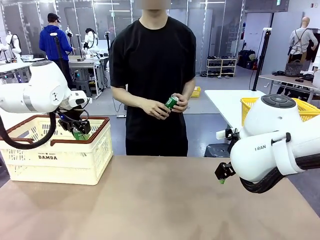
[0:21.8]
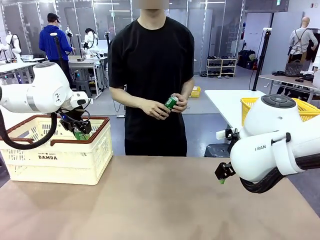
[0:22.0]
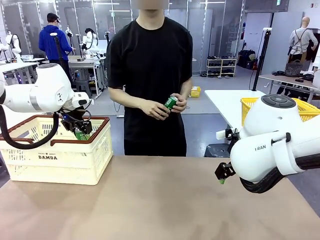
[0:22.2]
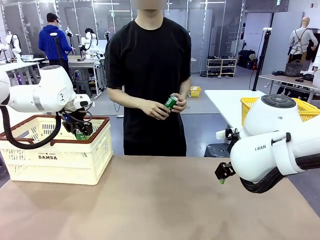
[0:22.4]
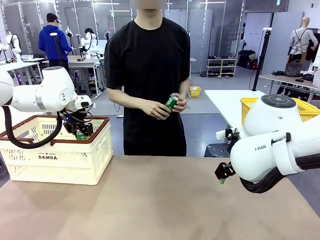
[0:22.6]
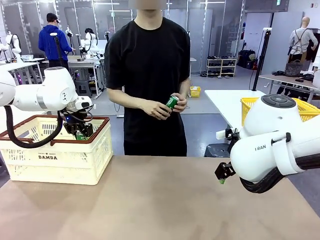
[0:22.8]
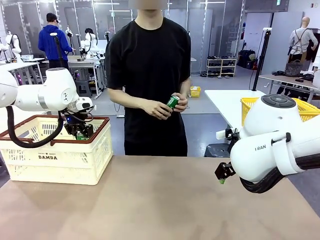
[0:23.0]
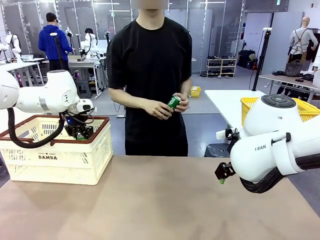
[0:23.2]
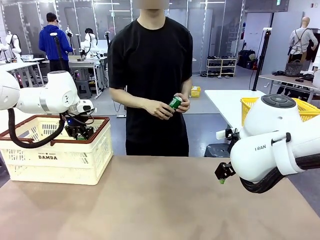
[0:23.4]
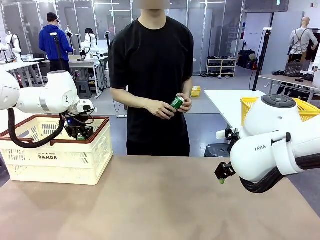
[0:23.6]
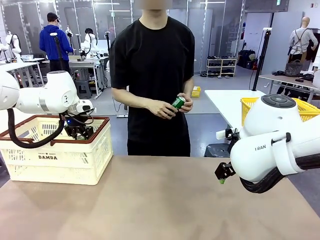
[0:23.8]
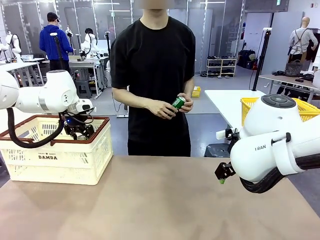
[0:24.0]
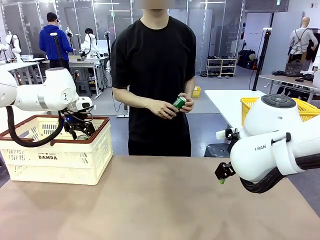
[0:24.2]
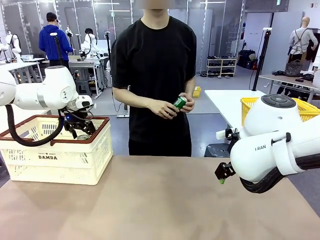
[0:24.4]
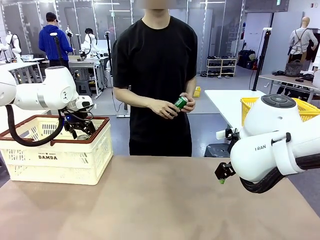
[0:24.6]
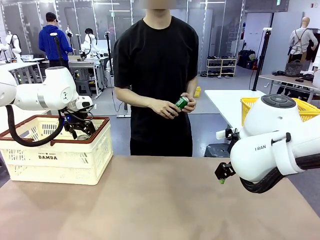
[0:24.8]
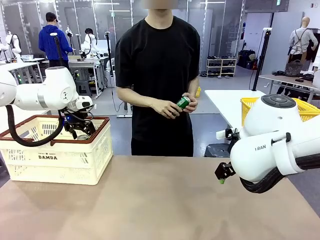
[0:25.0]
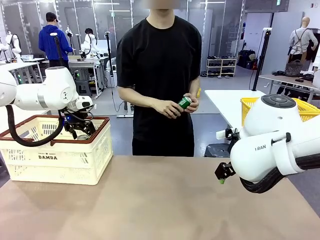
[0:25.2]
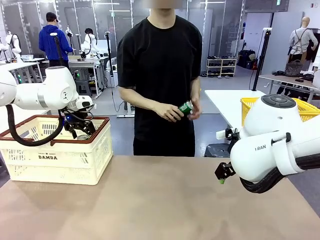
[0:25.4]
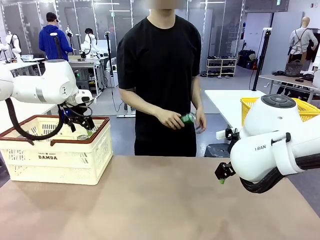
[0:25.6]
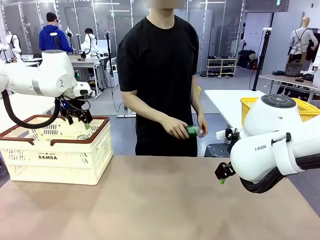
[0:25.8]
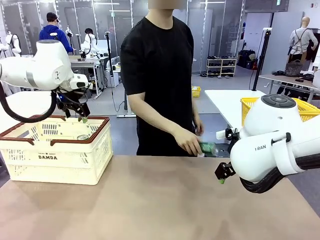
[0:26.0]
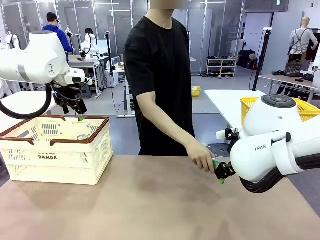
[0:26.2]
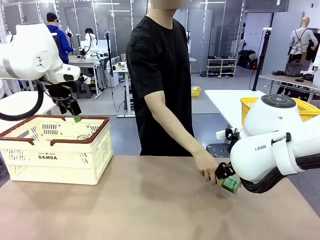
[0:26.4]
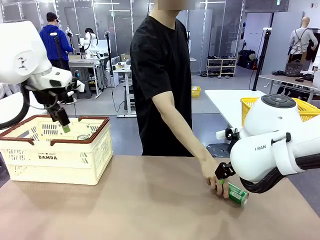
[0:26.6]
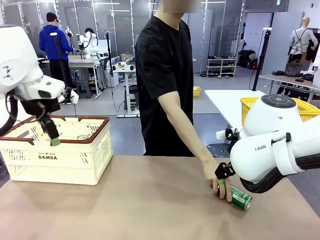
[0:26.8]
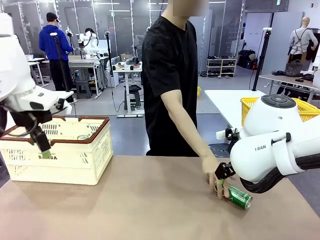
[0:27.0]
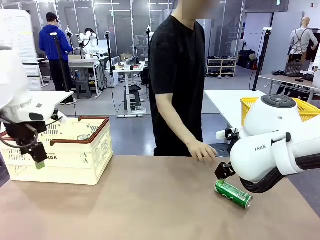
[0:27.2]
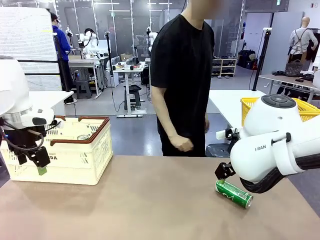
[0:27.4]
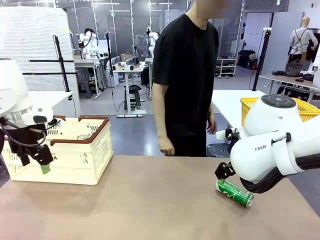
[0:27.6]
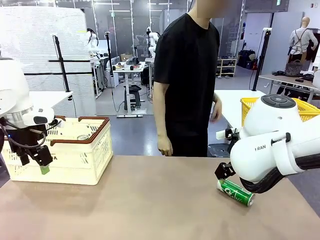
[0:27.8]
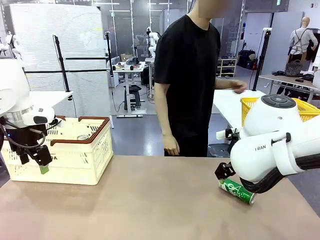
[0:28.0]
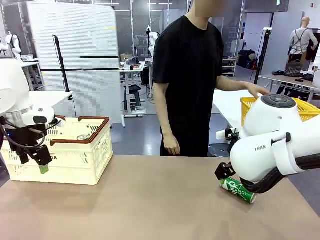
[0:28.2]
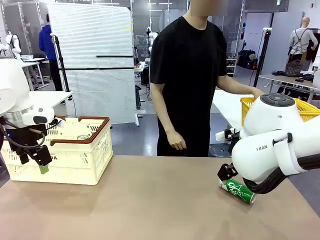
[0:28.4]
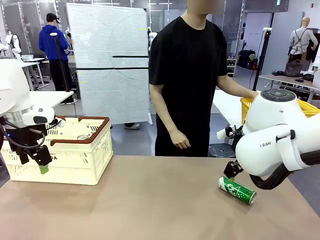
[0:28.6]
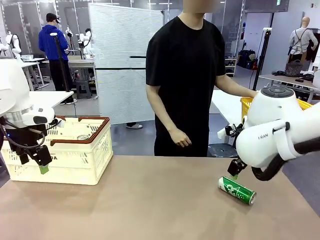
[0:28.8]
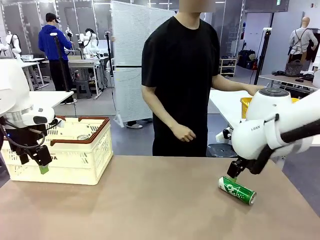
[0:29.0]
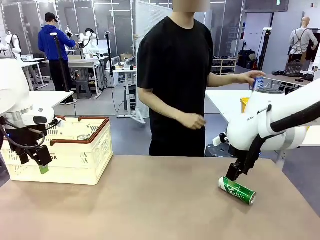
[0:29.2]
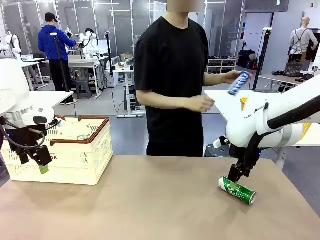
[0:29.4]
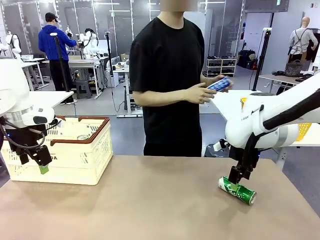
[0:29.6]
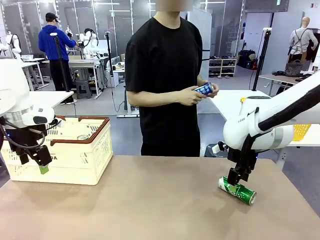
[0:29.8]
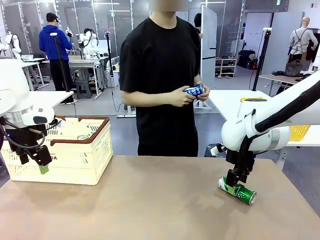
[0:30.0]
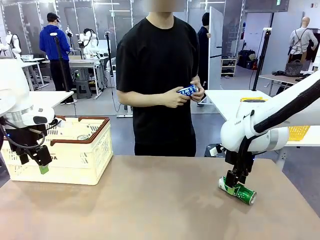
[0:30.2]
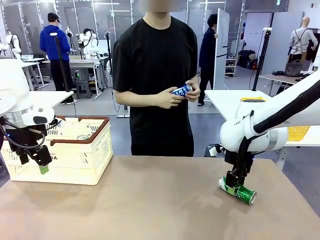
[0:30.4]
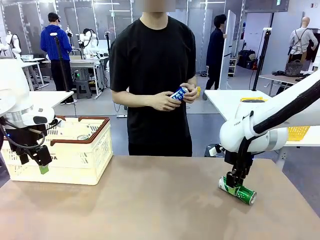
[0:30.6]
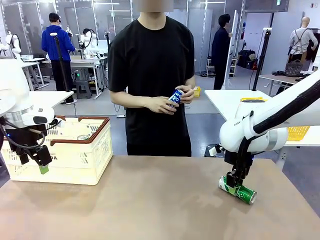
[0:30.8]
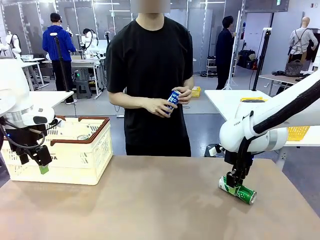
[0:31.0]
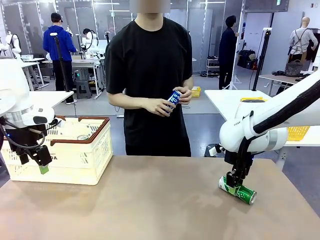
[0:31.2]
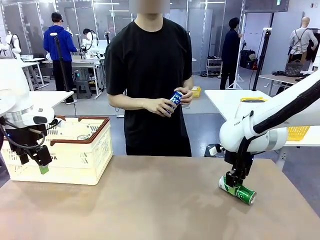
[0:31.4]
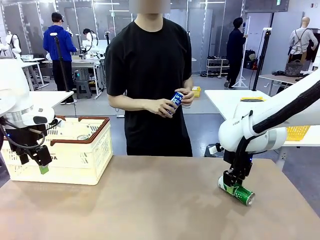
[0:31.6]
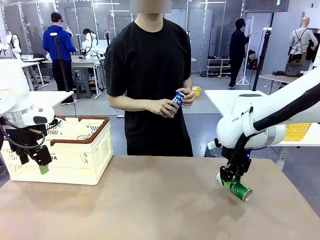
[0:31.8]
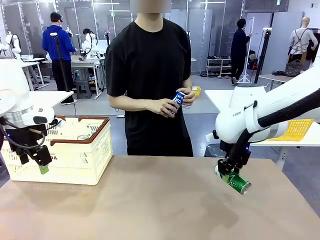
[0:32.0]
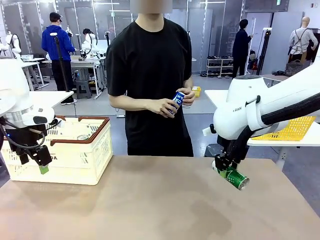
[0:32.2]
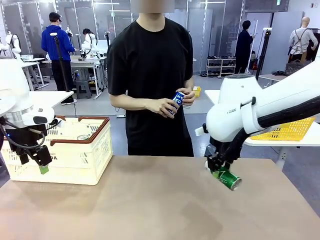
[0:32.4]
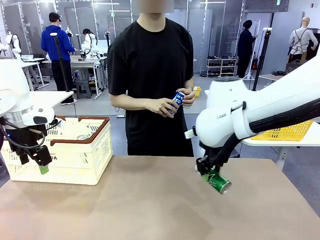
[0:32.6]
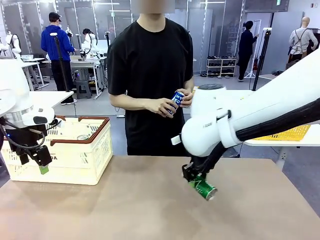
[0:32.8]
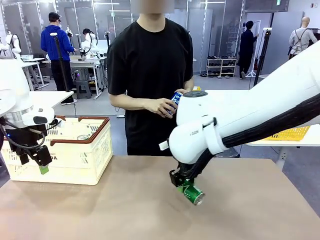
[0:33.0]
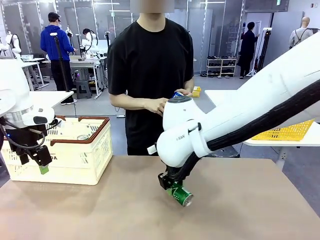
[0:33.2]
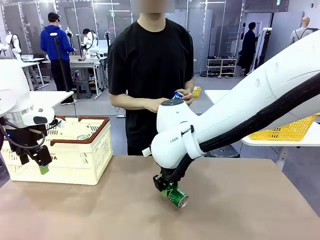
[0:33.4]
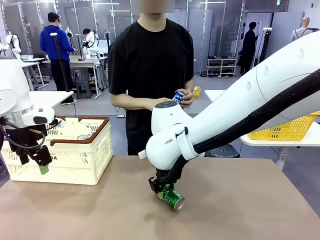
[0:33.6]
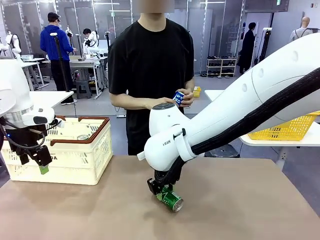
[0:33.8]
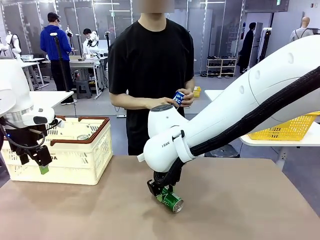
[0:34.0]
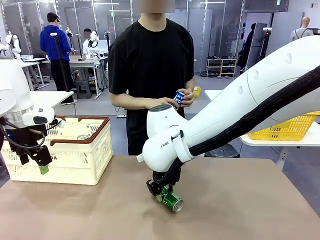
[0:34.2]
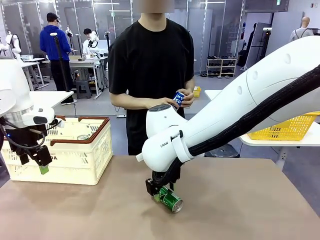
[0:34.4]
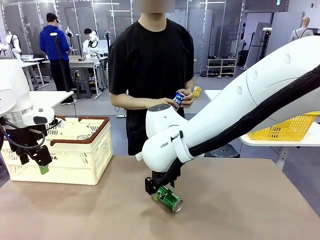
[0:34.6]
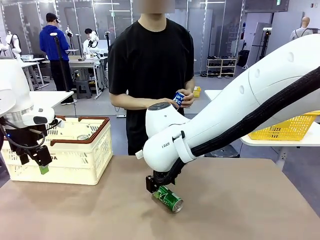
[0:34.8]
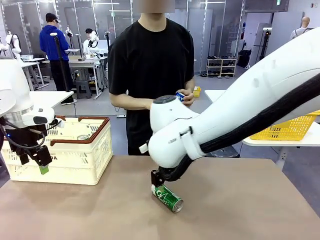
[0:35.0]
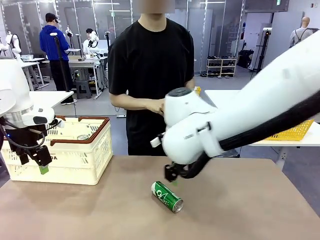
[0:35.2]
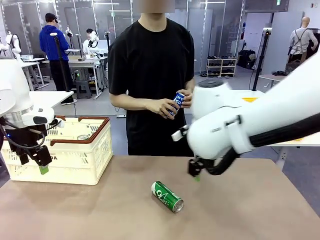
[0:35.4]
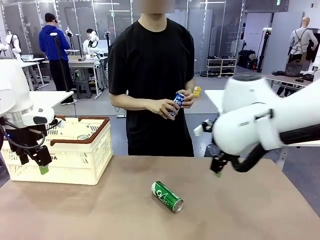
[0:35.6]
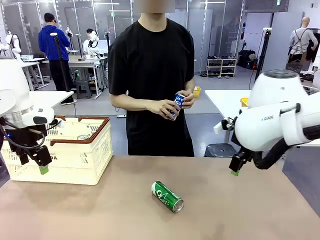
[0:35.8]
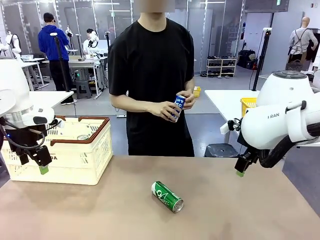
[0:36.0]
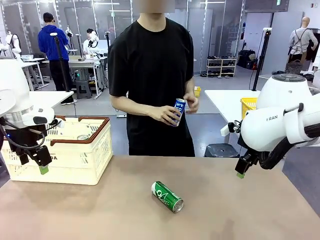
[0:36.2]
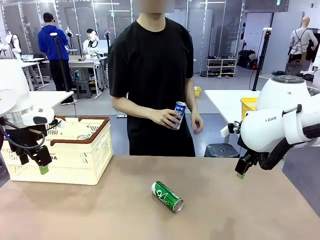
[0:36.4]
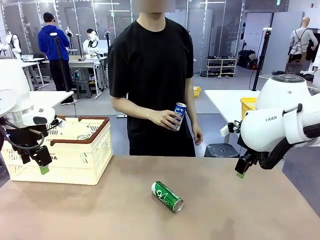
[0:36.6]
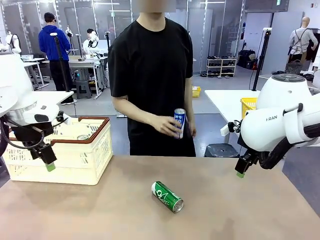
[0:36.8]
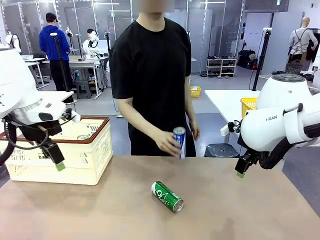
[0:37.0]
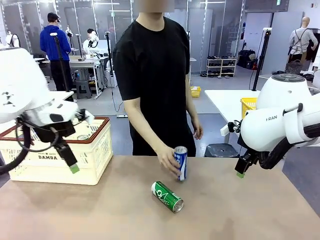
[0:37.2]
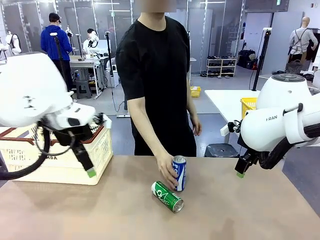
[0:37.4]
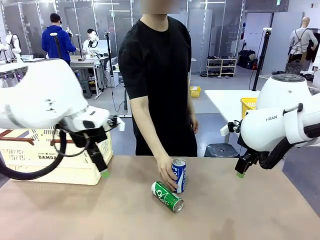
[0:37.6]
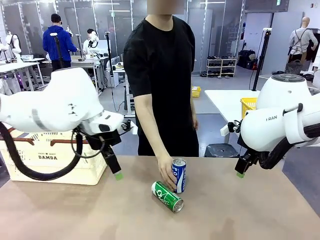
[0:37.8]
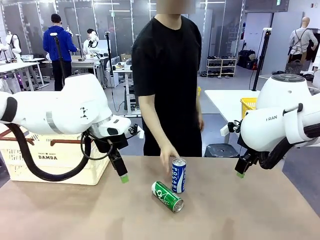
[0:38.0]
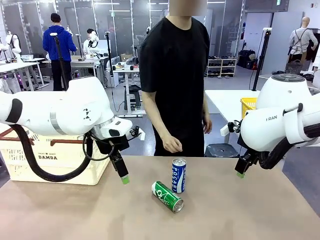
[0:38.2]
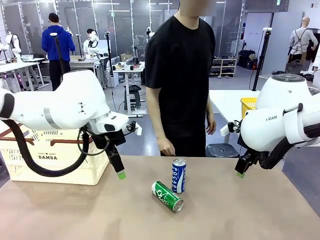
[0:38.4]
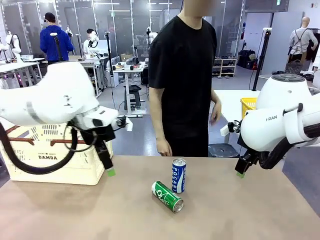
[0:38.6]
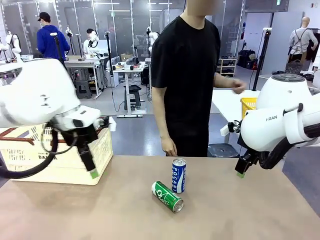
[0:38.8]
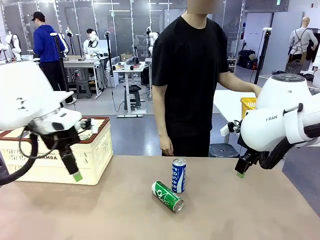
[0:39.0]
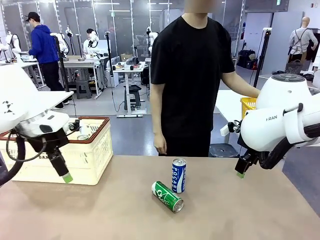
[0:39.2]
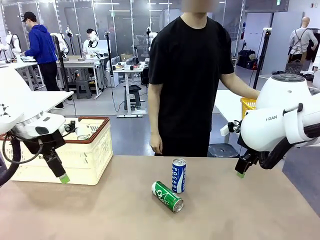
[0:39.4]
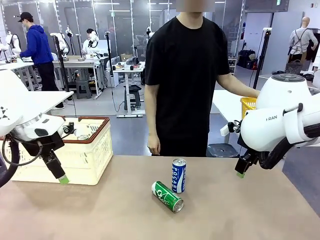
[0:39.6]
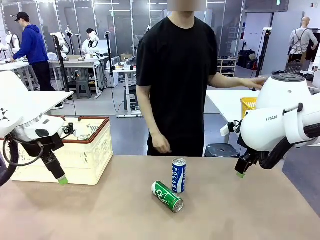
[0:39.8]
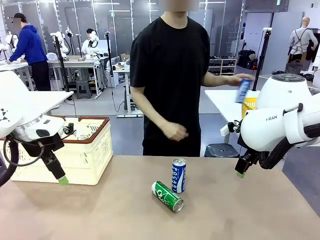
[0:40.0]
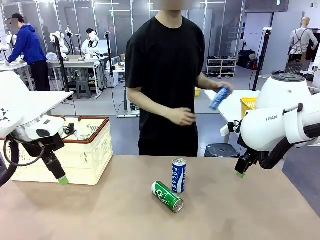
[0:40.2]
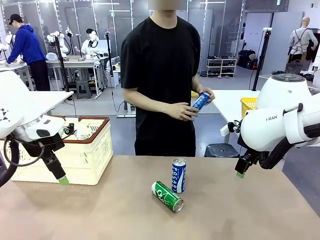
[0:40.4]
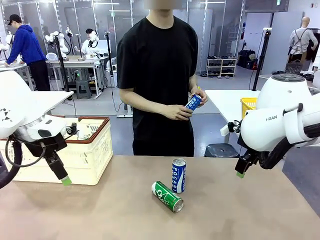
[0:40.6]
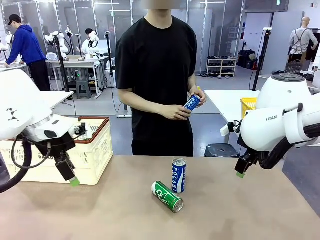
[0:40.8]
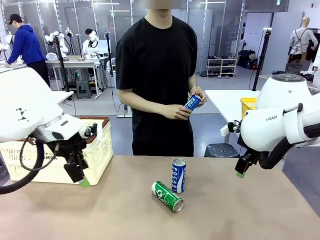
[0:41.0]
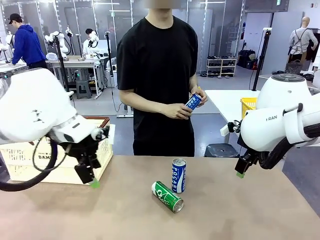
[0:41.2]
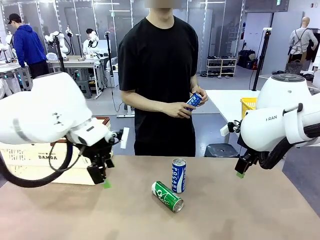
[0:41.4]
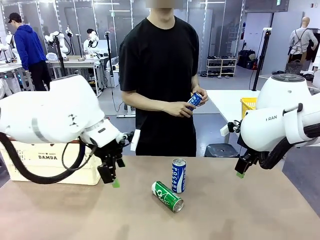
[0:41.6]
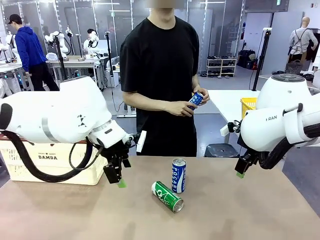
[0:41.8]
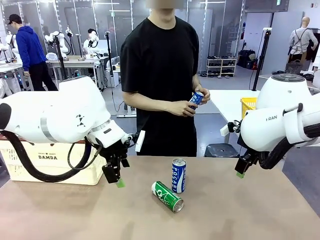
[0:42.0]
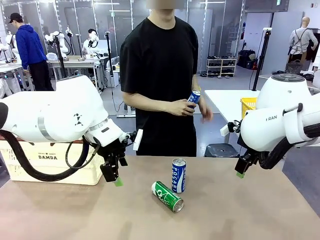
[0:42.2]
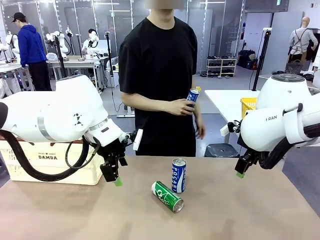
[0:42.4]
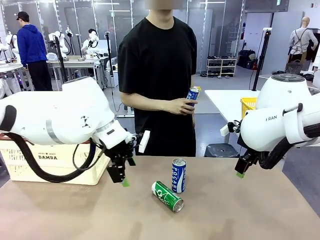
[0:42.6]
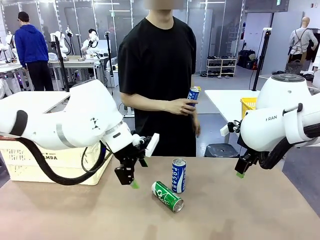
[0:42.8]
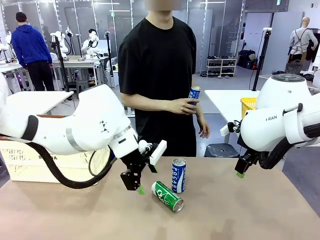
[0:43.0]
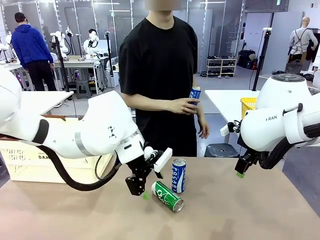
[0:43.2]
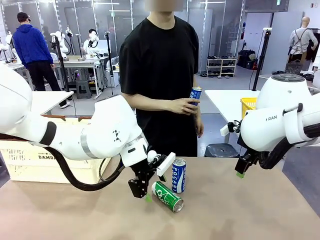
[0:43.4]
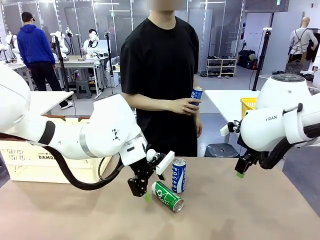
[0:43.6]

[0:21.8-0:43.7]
Task: Place the drinks into the Shopping basket.
Robot: Pick up one drink and place it into the Shopping basket.
